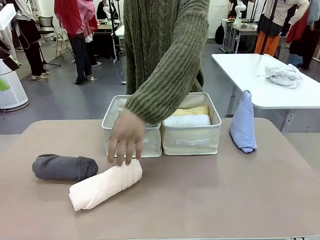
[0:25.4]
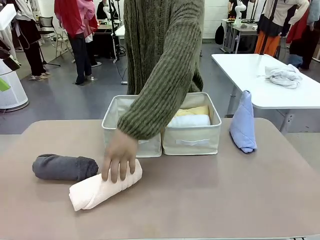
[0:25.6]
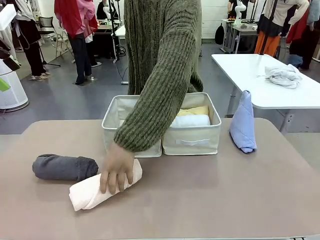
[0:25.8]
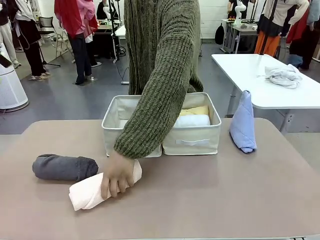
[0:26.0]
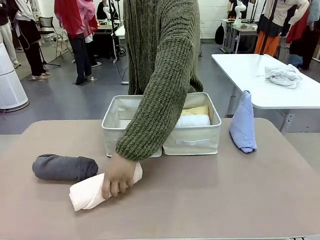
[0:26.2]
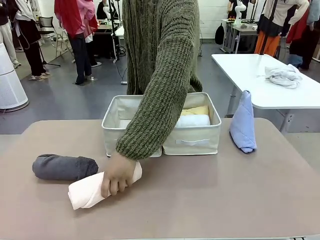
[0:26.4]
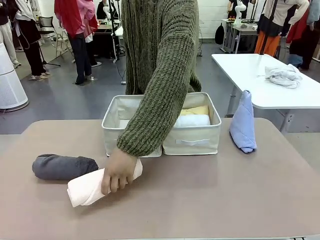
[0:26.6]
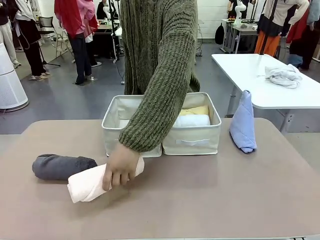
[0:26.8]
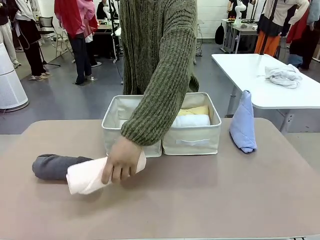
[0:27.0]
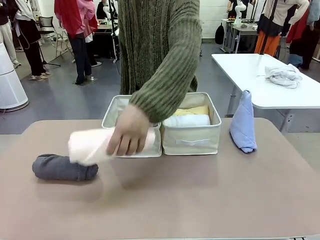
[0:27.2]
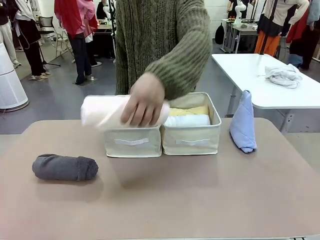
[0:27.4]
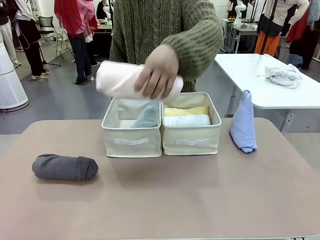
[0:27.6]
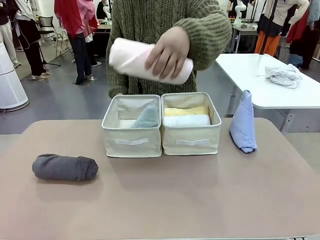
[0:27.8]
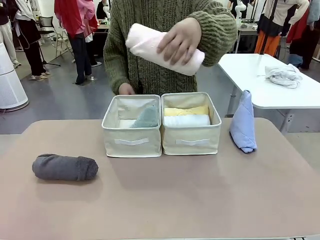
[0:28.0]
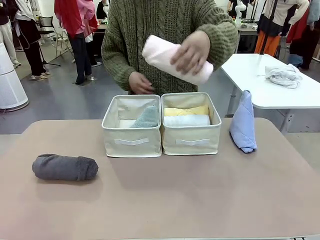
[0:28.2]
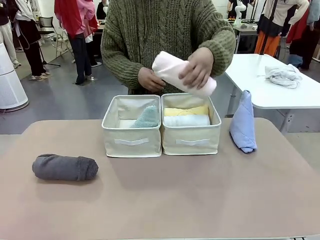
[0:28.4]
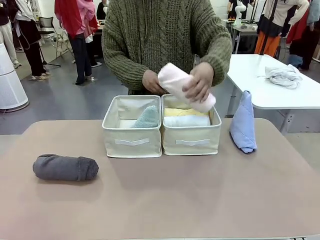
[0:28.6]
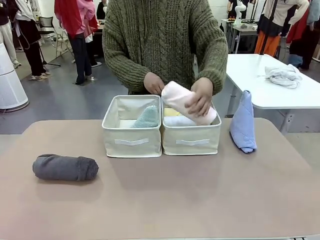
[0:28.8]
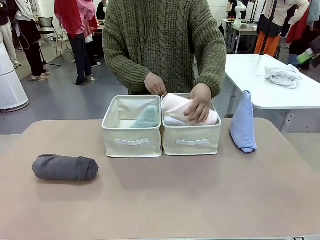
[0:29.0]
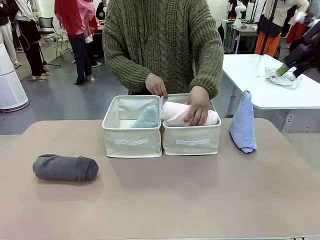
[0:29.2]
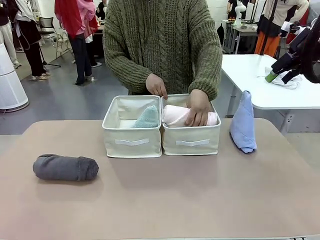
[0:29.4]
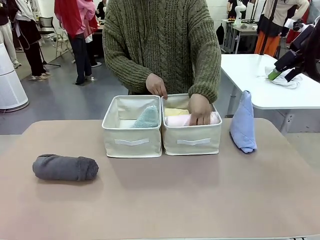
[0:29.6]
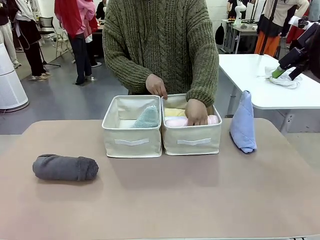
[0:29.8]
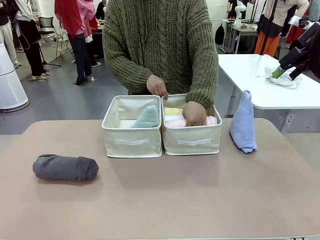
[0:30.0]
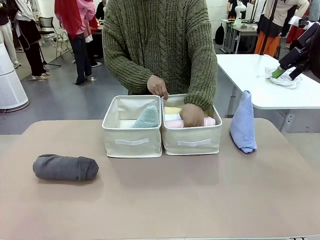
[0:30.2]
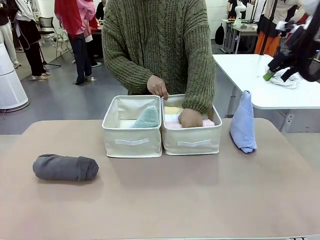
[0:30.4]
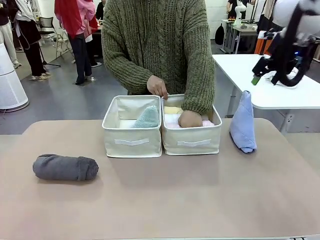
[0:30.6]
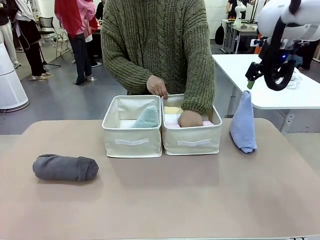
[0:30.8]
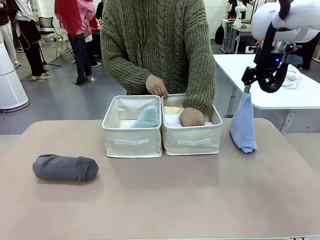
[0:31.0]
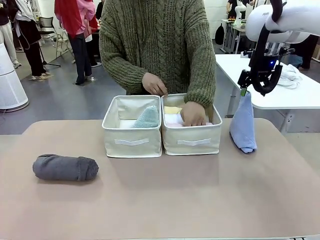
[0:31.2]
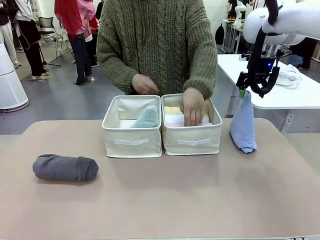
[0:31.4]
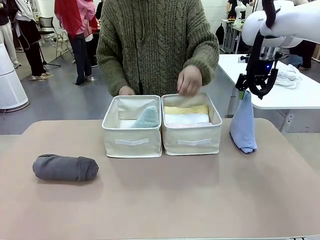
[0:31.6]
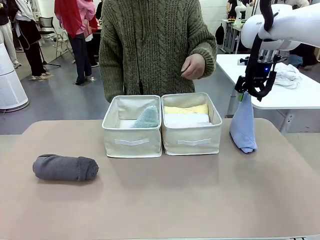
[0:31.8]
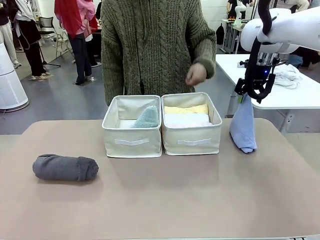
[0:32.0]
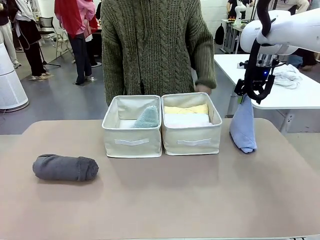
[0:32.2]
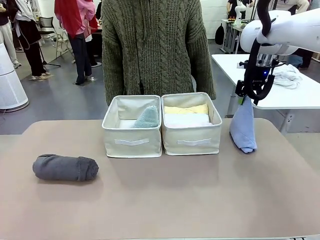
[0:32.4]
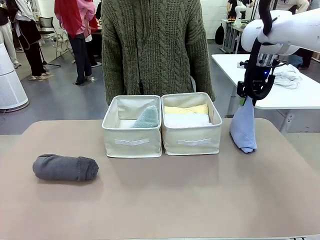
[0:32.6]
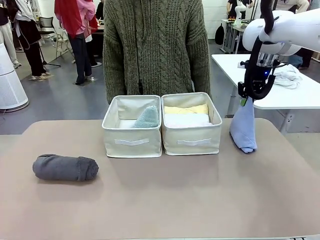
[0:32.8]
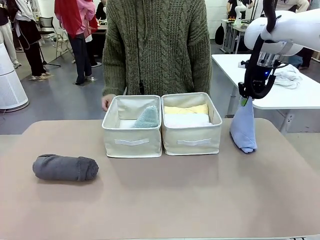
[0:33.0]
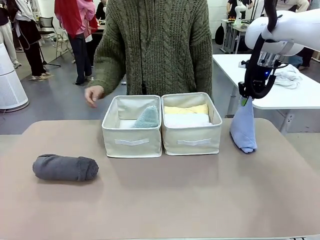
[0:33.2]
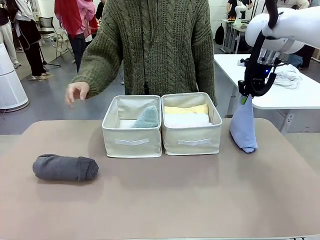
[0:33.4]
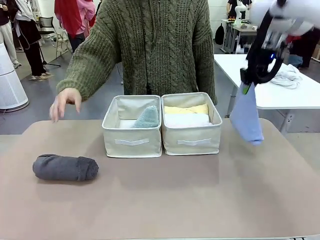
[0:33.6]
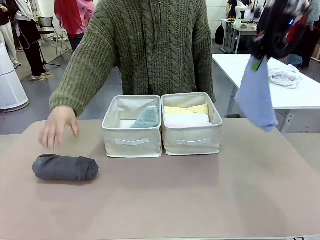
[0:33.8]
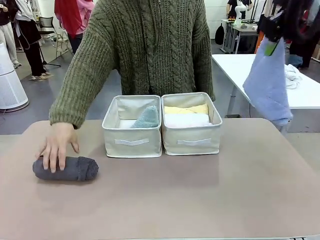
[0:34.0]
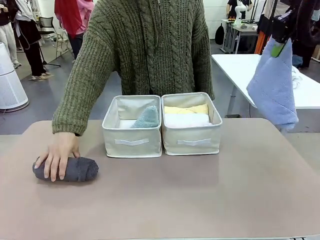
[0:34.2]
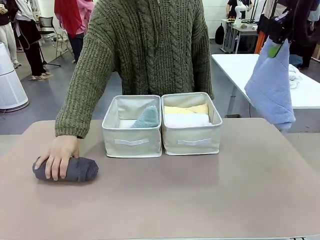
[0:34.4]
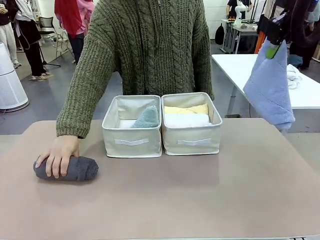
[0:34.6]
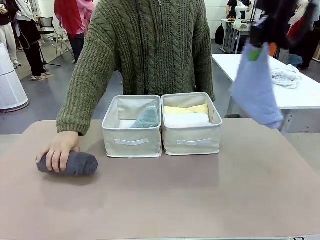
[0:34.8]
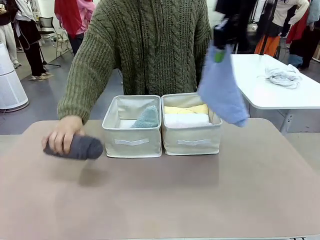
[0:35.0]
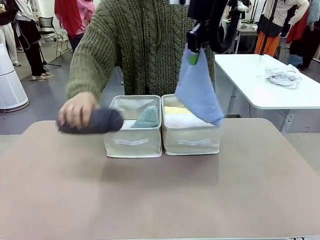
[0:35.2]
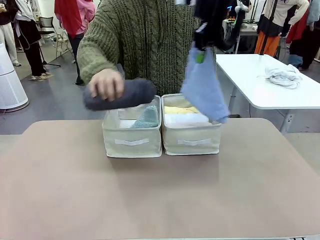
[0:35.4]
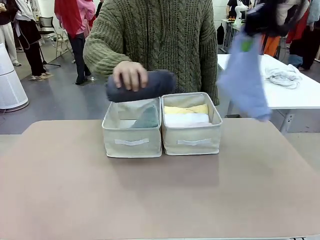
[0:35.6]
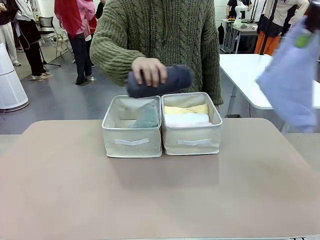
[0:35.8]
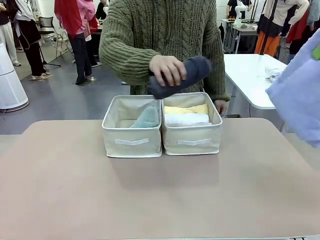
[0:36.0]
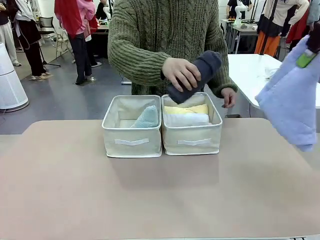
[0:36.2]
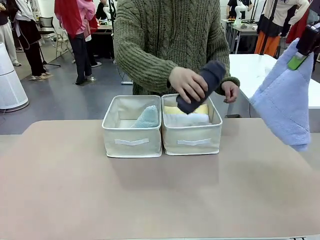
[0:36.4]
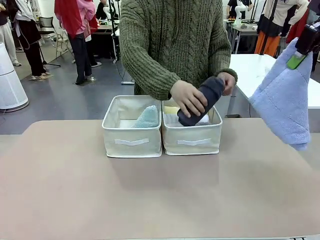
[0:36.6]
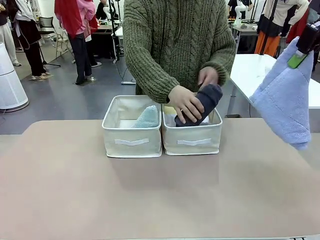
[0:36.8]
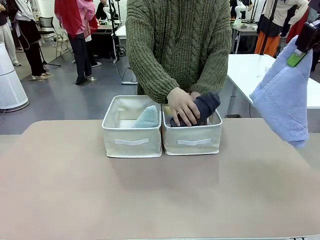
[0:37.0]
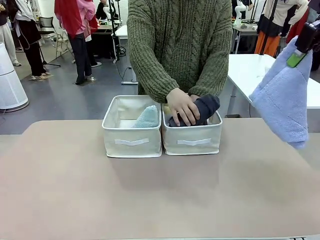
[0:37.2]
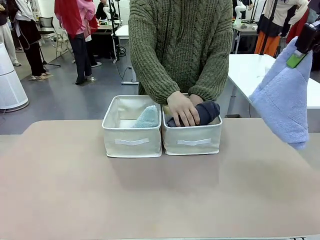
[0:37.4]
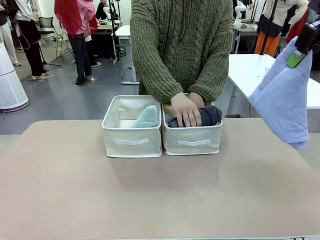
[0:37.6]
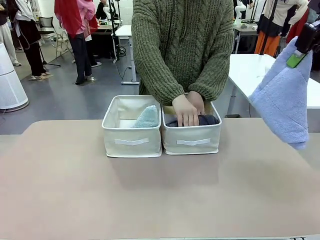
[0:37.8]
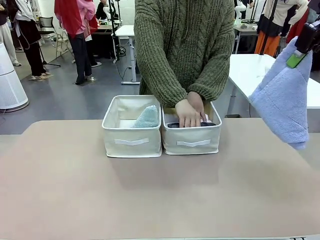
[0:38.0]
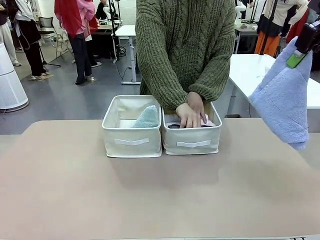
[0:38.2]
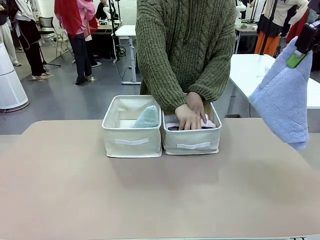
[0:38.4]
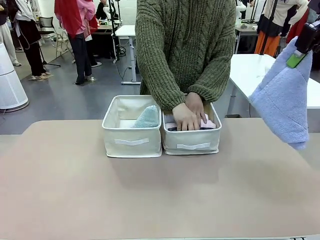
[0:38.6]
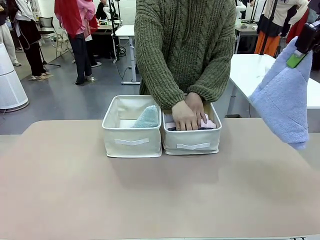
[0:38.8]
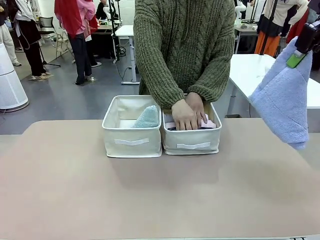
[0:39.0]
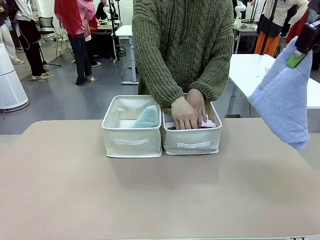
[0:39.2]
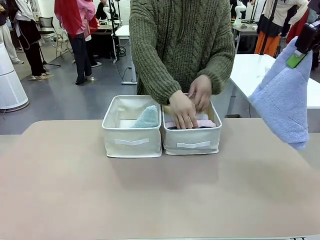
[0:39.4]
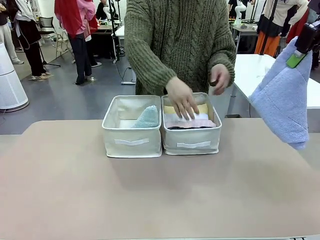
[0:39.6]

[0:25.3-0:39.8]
Task: Sort the towels based on their folding style.
Robot: Pick up another triangle-folded towel from the table and place it in the left Fabric basket.

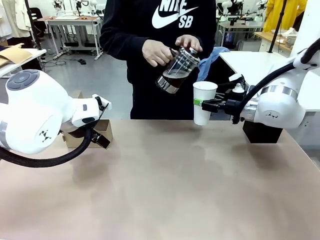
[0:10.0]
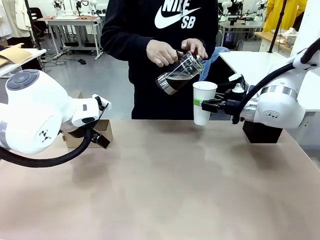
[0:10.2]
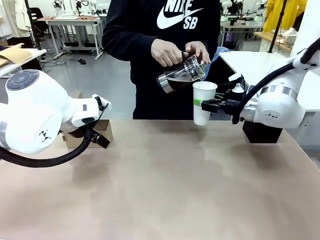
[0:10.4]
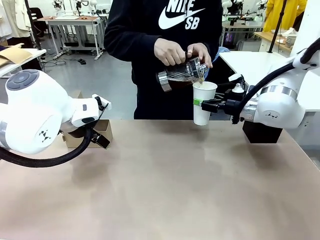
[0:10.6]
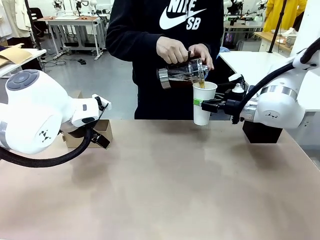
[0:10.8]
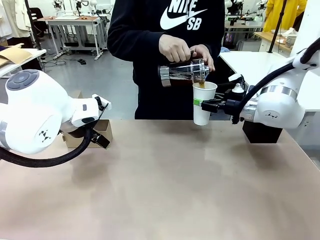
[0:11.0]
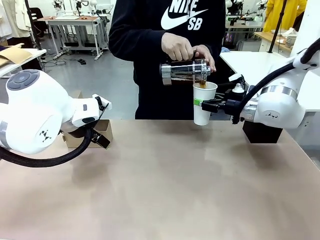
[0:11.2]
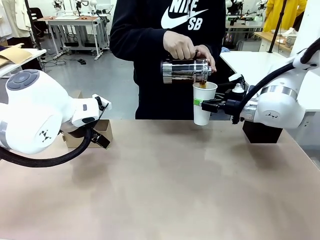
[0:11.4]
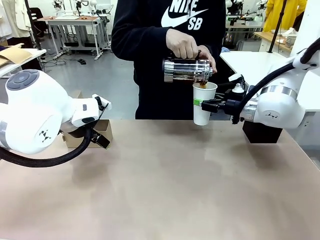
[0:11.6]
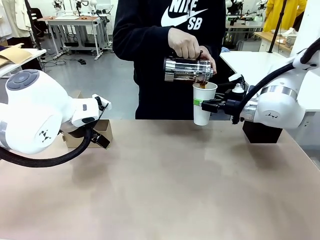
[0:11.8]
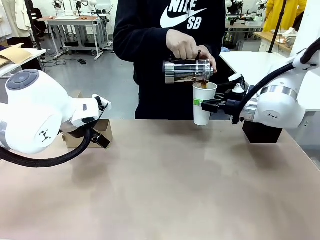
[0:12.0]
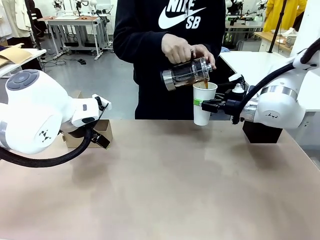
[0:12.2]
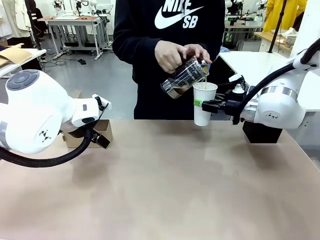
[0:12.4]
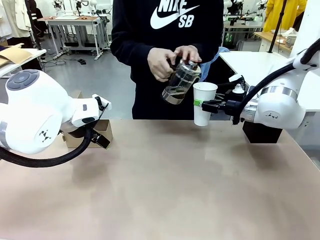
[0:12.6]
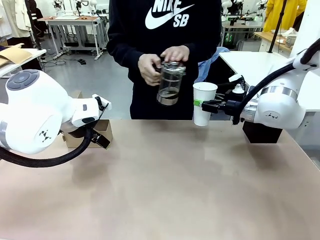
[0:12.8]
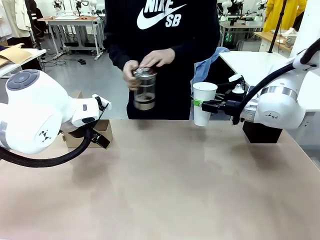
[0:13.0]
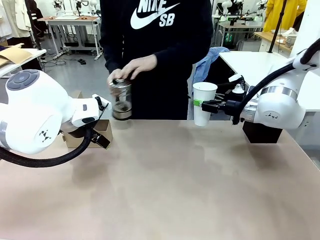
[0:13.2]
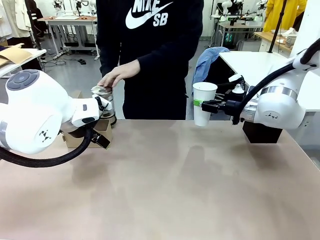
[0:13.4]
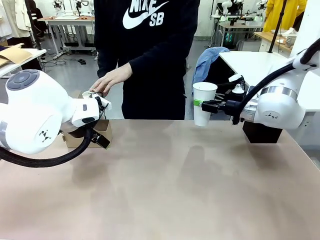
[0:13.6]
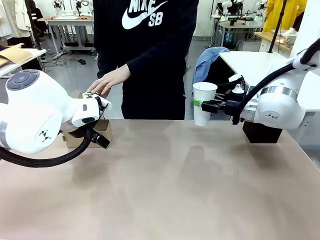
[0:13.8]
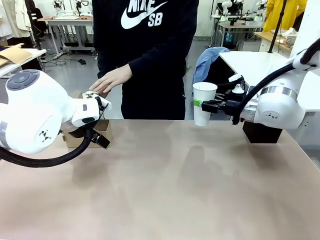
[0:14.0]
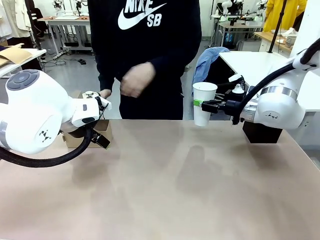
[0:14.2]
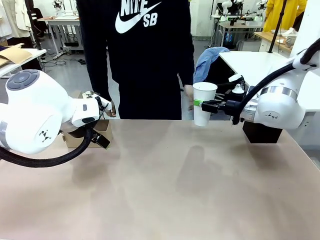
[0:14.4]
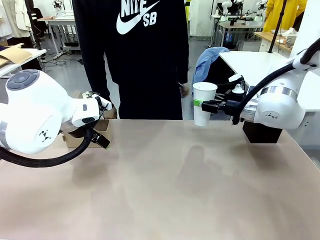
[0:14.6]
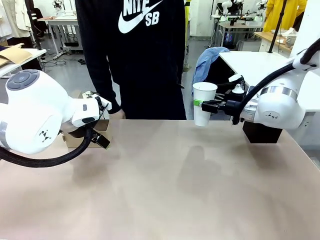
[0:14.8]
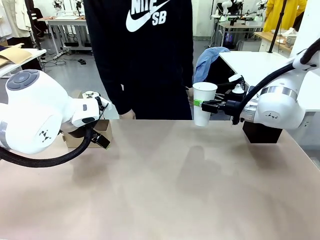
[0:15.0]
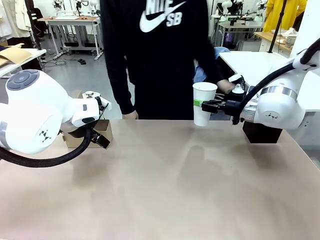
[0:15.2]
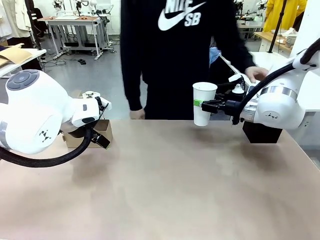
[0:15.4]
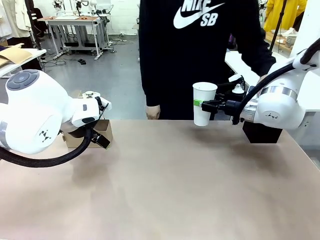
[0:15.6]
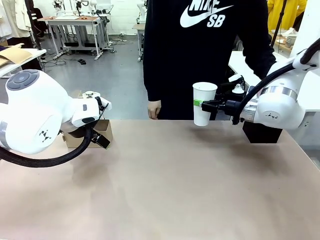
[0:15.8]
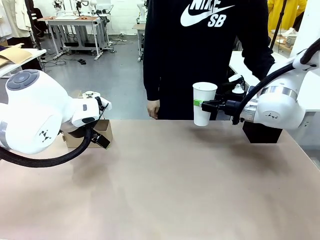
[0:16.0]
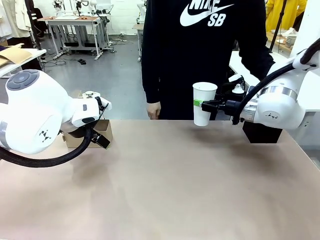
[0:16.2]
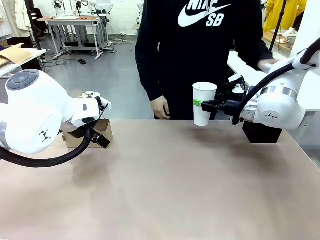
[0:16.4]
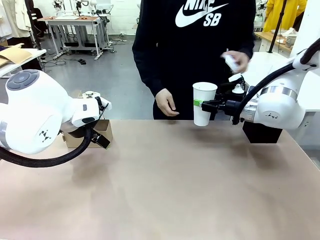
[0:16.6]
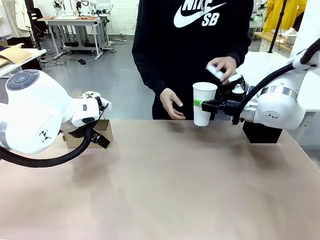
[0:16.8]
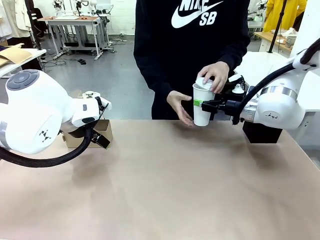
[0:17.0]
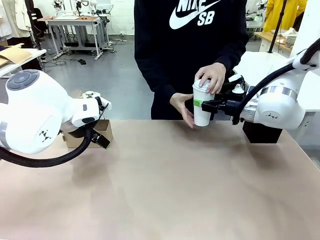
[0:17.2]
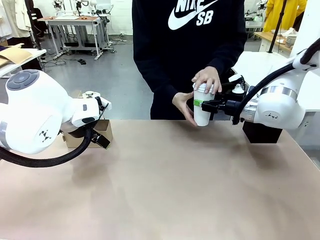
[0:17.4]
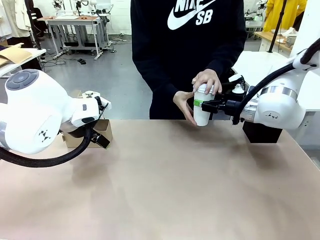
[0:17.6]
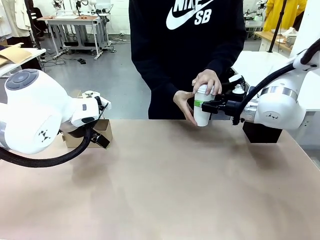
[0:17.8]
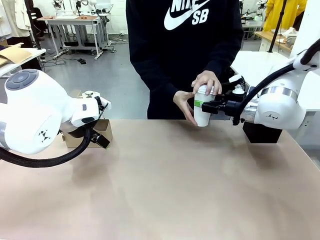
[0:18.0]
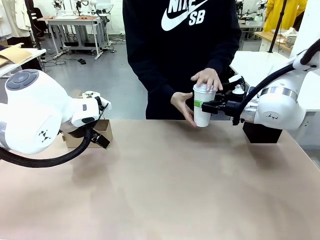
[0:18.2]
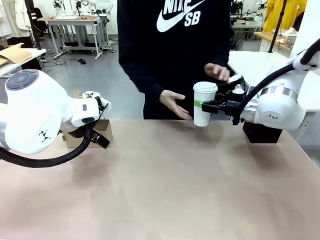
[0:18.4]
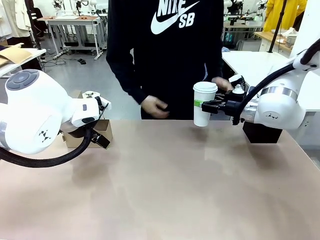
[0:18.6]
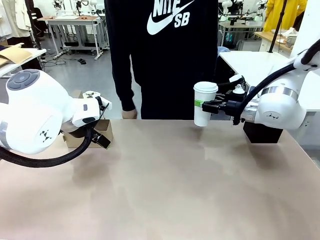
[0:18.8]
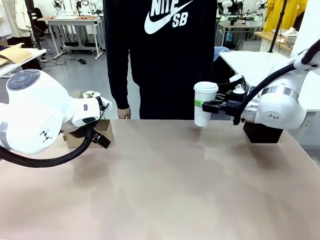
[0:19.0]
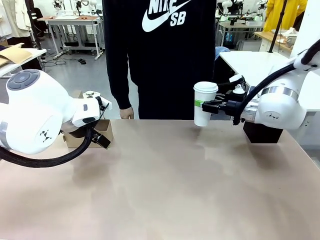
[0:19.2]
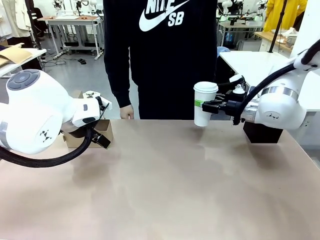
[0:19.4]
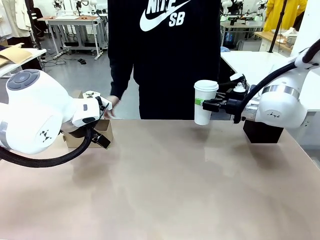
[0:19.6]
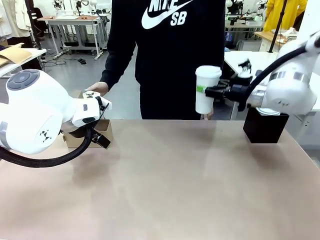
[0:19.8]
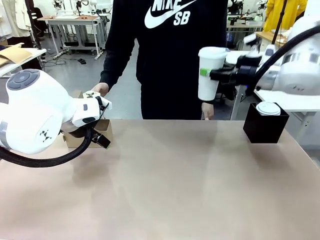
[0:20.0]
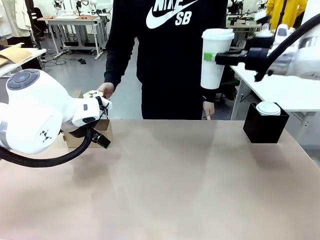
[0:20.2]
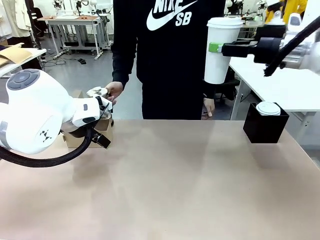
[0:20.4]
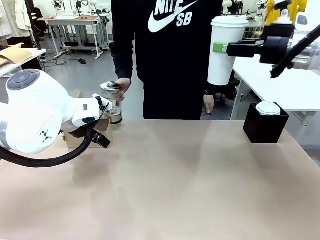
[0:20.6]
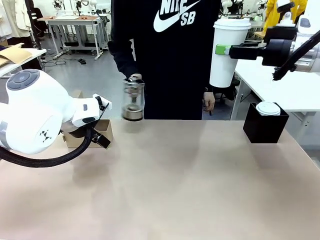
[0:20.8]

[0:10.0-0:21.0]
Task: Pour a drink into a cup and package it in a carrier.
Robot: When a person places the Paper Cup Lid on the 600 ml Paper Cup , lift the 600 ml Paper Cup.
Person: Pour the drink from the Filter Brewing into the 600 ml Paper Cup. Place a Paper Cup Lid on the 600 ml Paper Cup.
